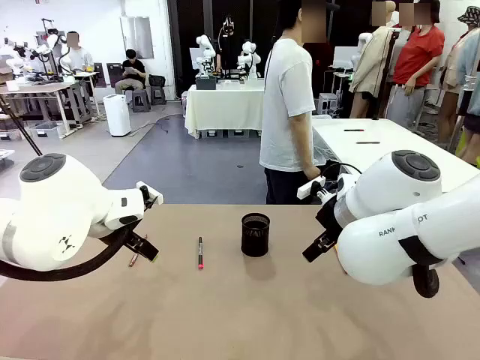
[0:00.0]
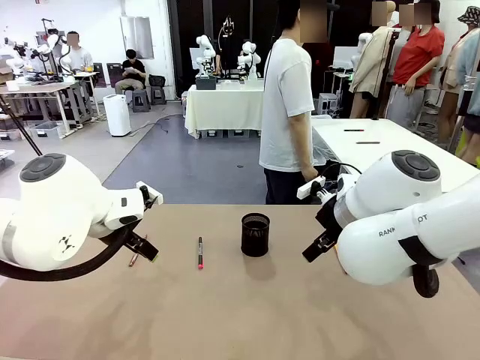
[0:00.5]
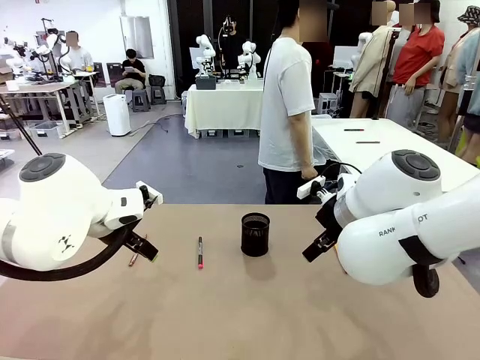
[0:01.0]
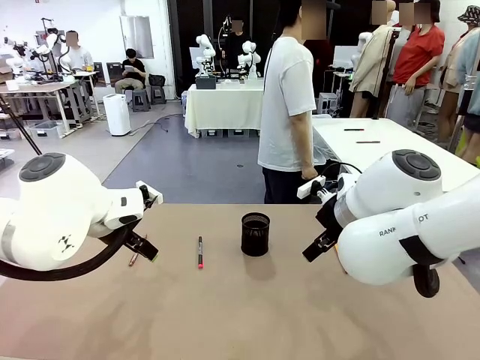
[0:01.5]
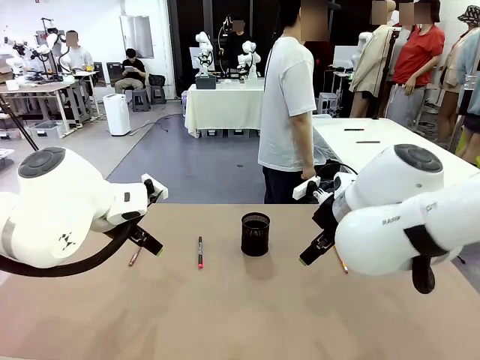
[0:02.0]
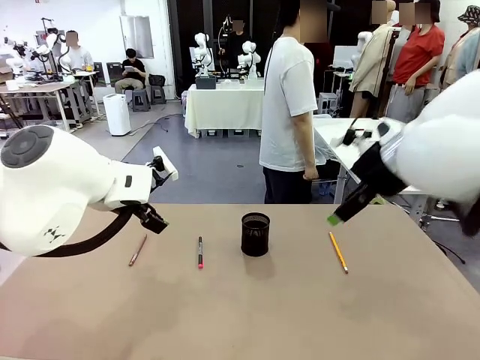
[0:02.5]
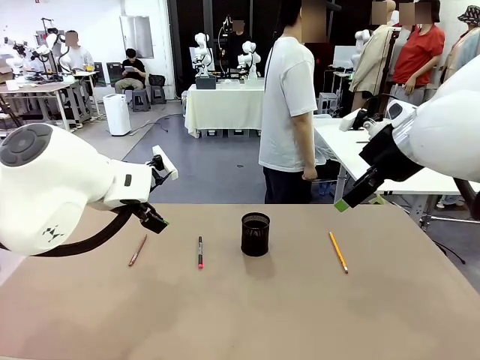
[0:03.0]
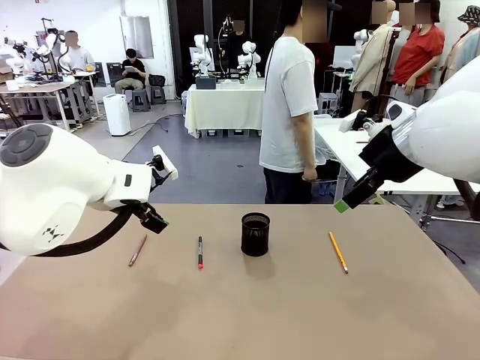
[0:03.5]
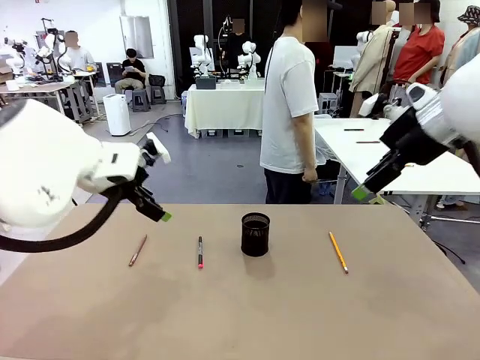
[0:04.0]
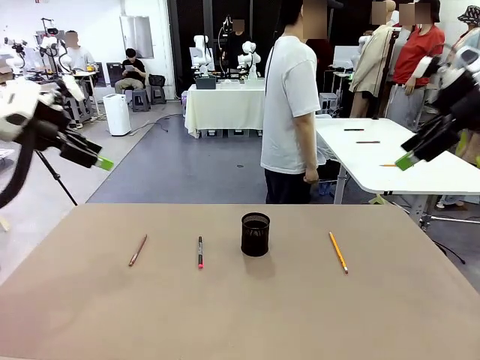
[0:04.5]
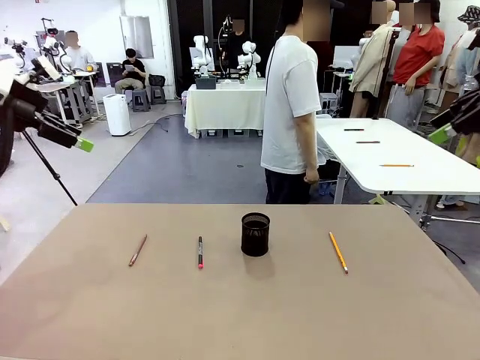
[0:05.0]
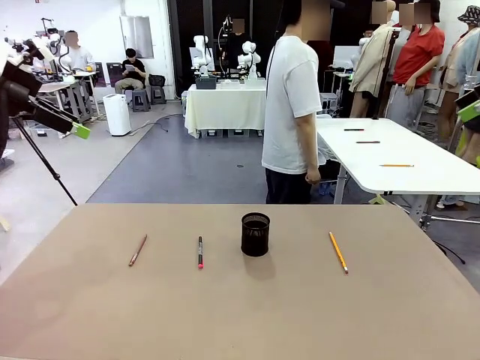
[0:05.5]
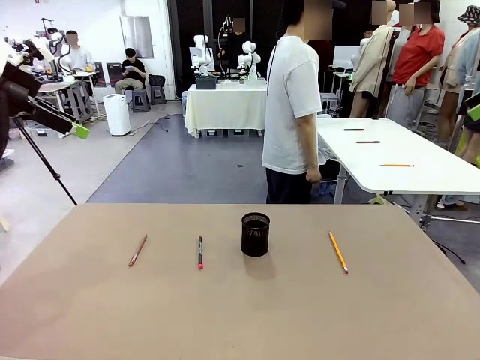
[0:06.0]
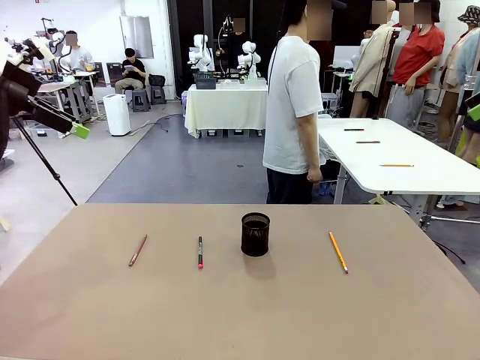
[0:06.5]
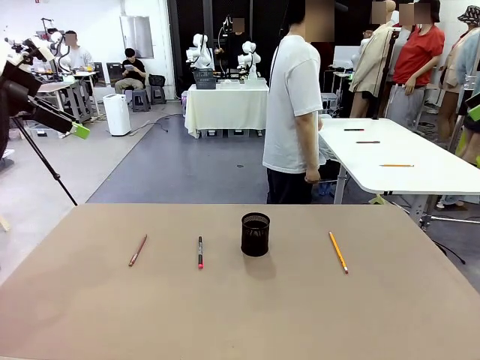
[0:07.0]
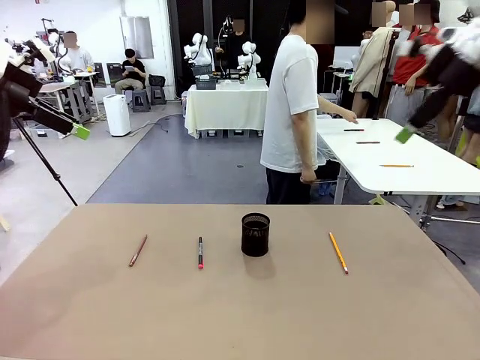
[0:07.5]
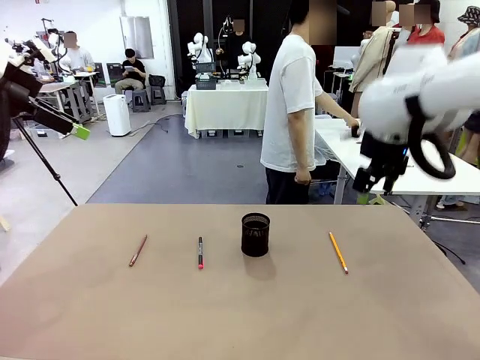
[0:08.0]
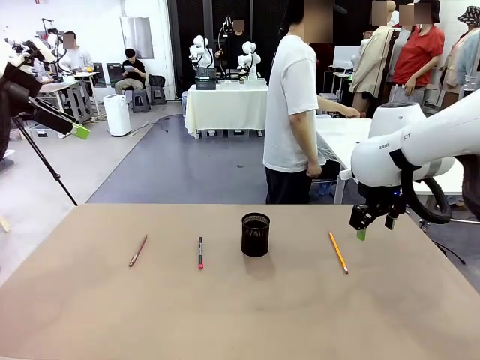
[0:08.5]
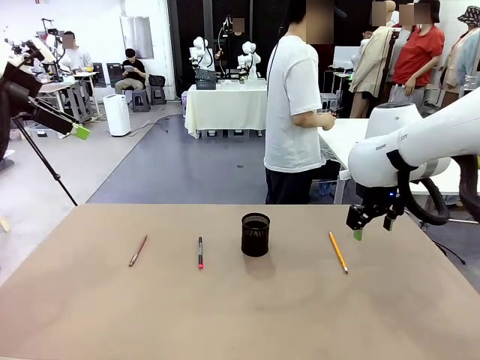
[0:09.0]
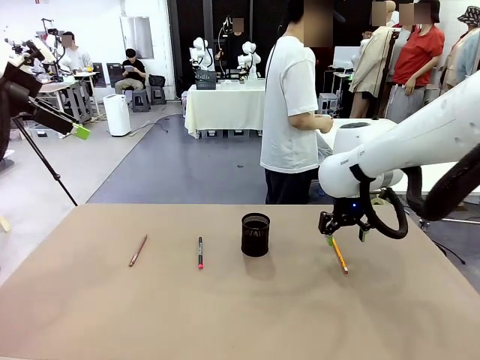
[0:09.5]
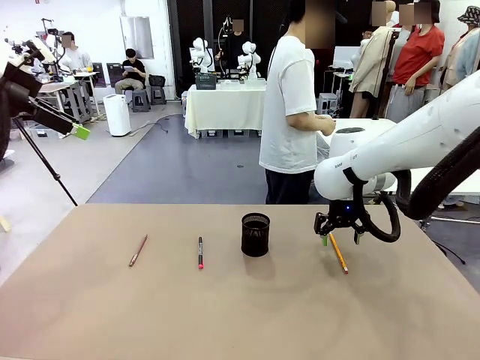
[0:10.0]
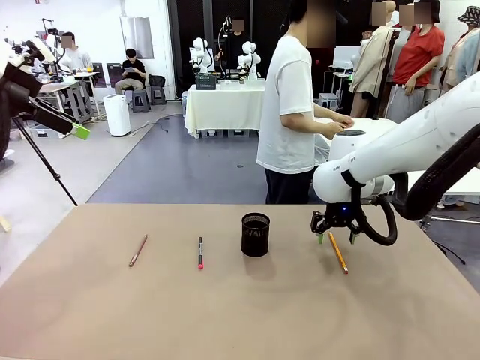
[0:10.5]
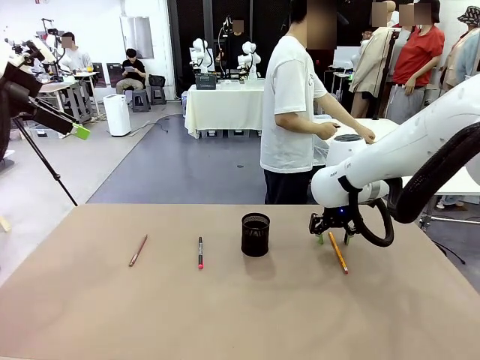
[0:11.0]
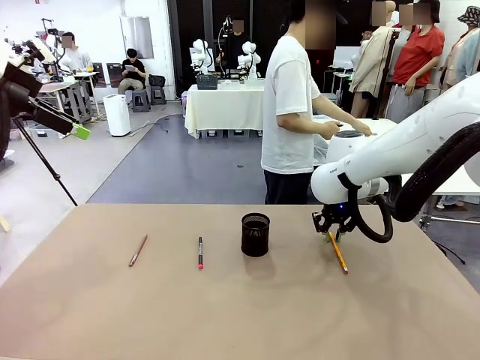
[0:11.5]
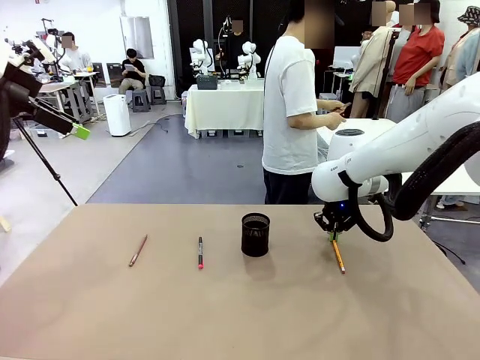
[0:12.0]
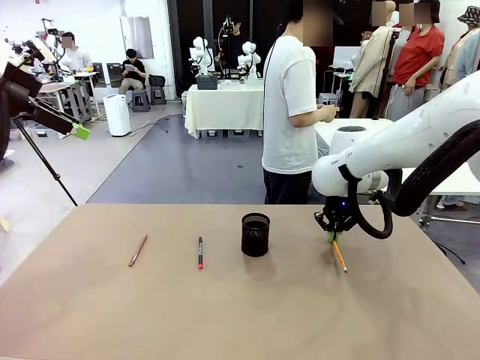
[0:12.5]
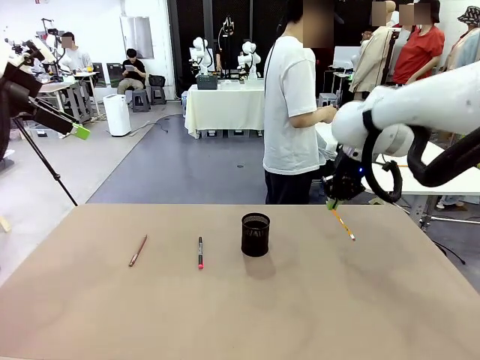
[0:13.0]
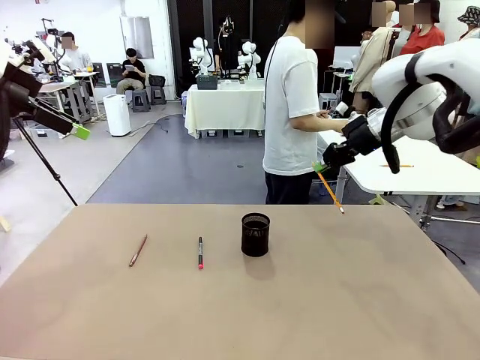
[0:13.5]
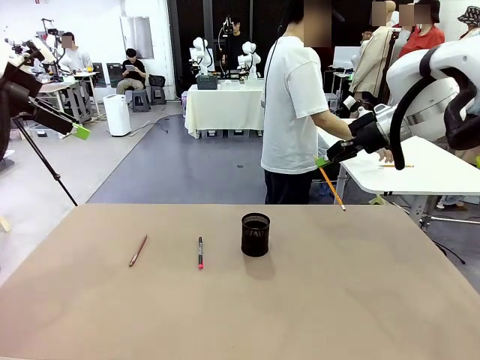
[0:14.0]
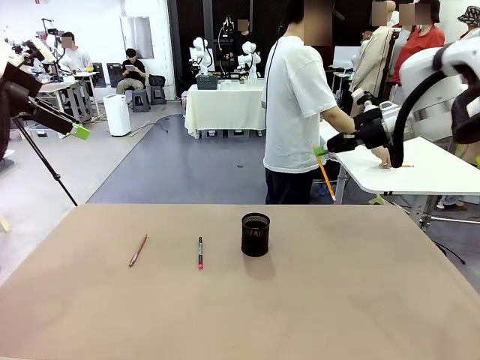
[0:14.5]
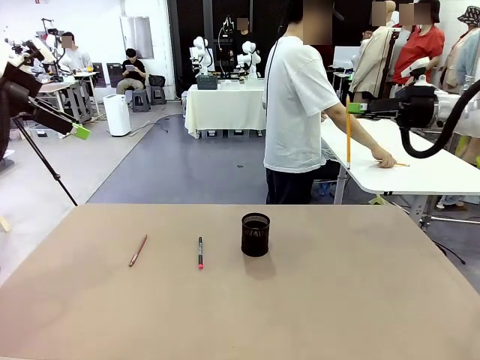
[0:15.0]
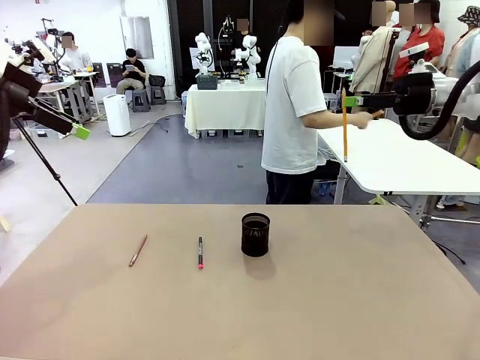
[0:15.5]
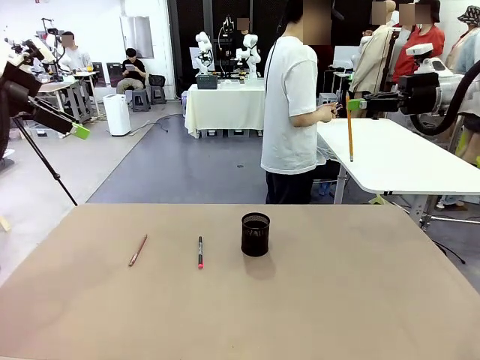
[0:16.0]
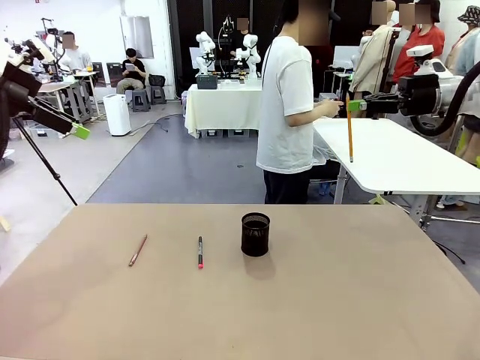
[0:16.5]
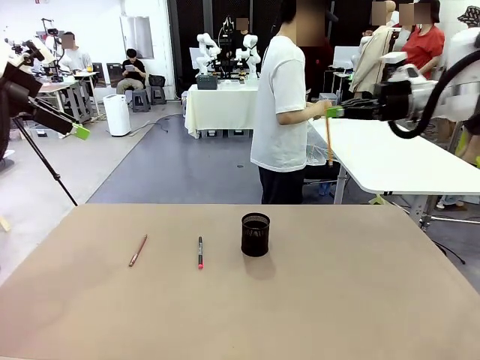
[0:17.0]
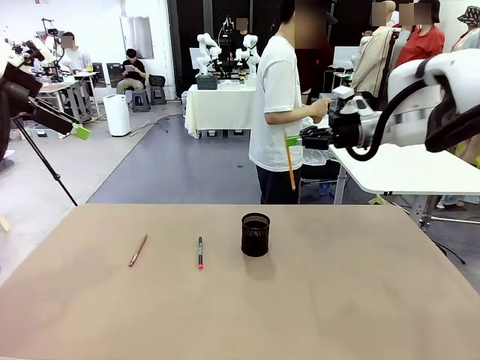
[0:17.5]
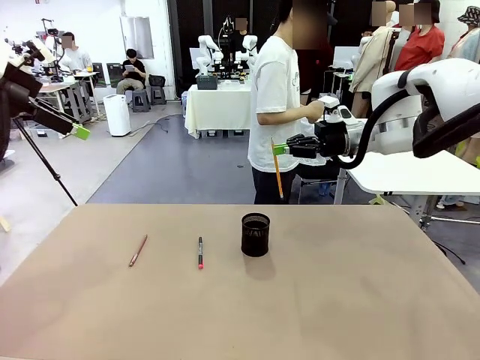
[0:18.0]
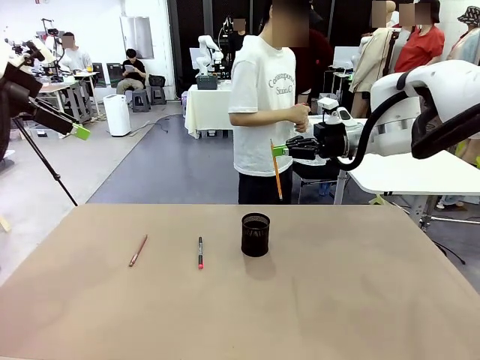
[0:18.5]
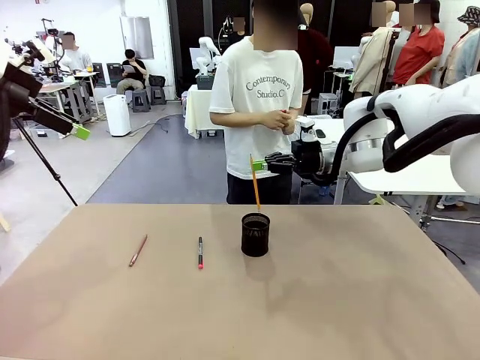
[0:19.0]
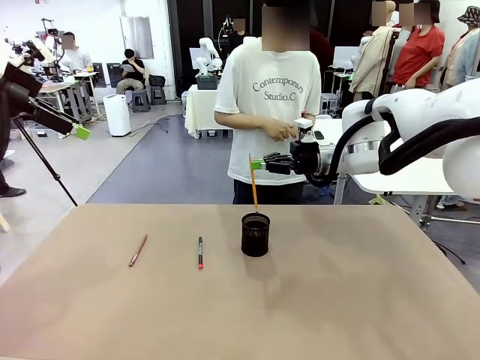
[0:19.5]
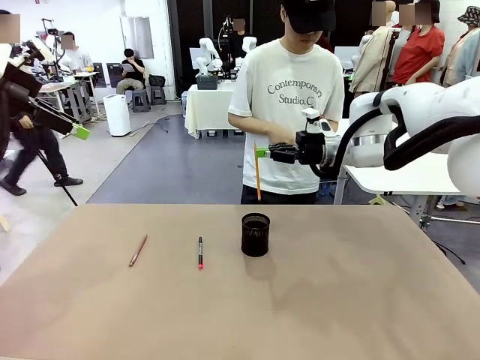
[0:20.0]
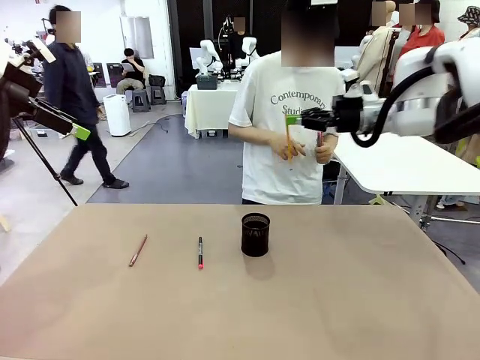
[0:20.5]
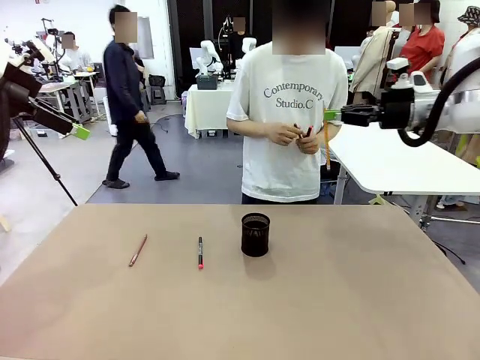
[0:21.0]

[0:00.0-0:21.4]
Task: Place the pens into the pen holder.
Robot: Pick up a writing instrument from the table and place it into the Pen holder.
Person: Pick up all writing instruments from the Human table.

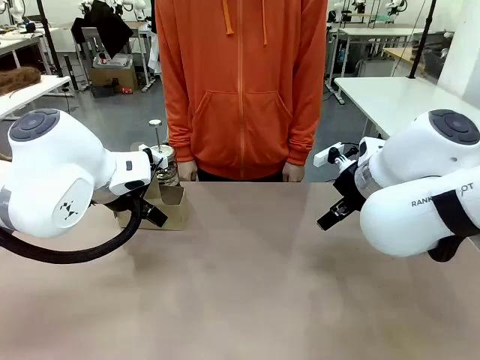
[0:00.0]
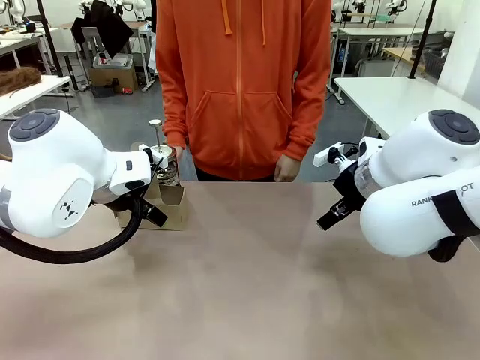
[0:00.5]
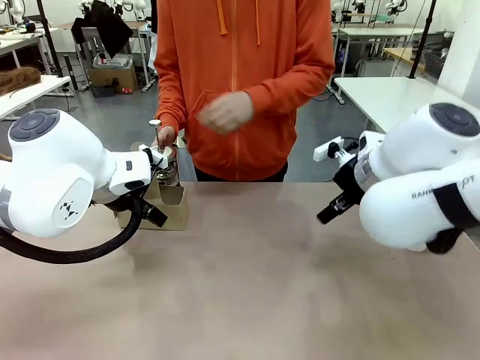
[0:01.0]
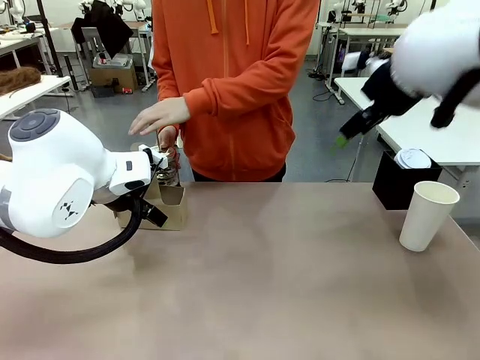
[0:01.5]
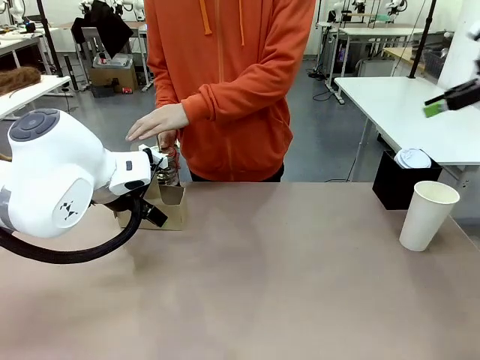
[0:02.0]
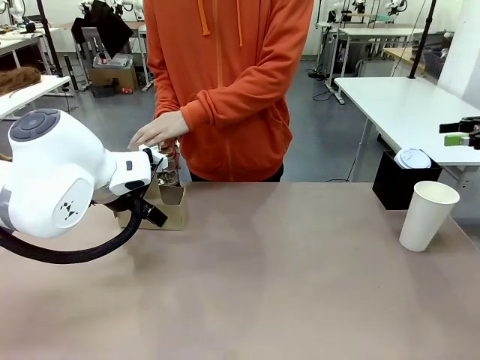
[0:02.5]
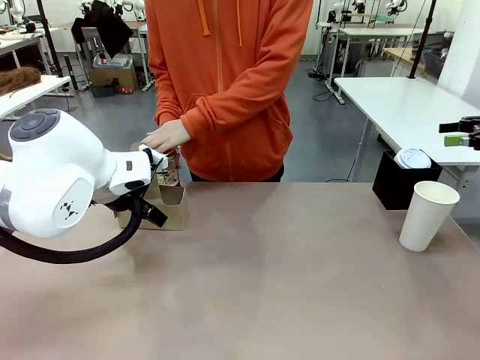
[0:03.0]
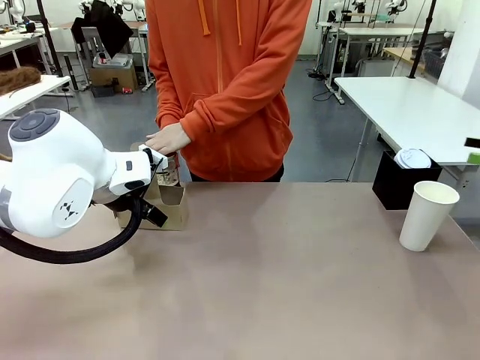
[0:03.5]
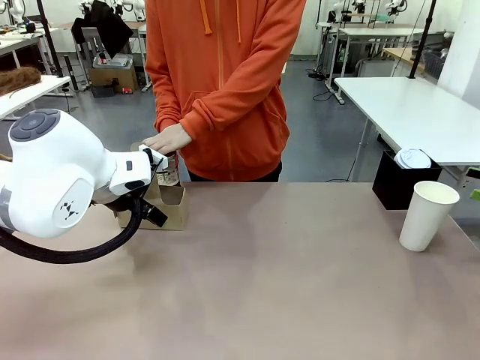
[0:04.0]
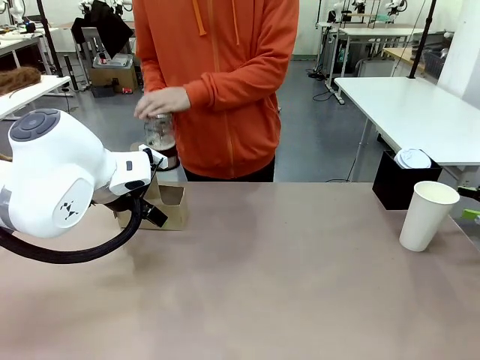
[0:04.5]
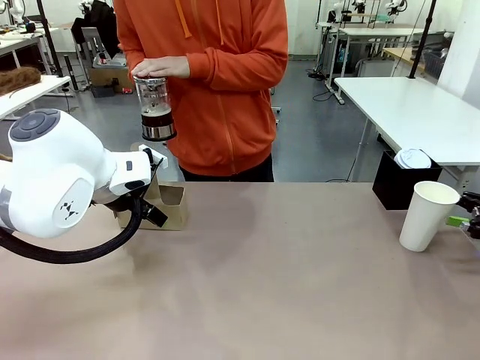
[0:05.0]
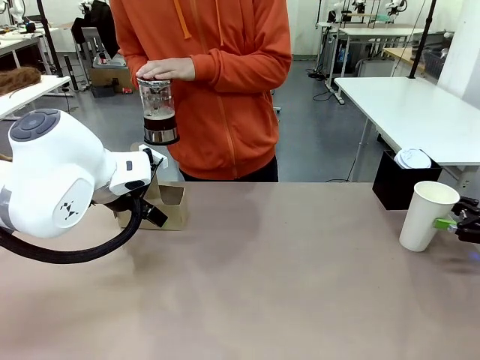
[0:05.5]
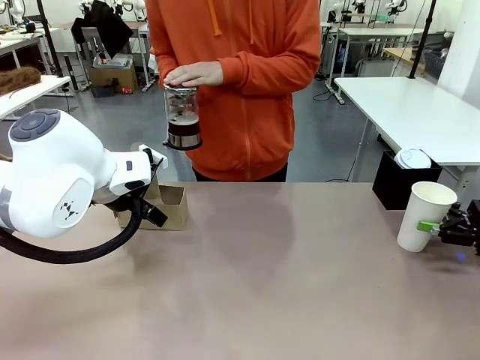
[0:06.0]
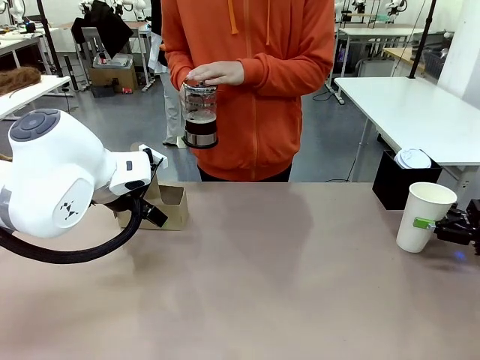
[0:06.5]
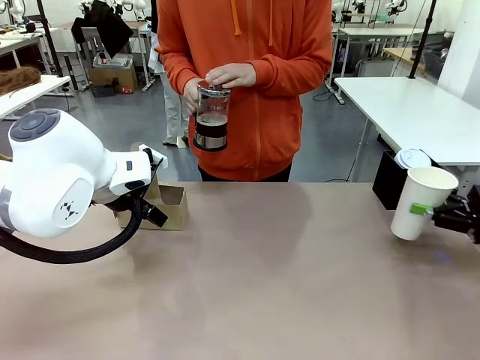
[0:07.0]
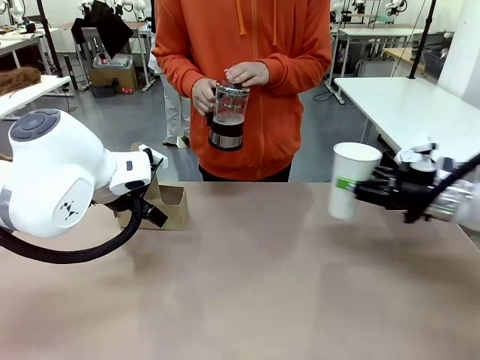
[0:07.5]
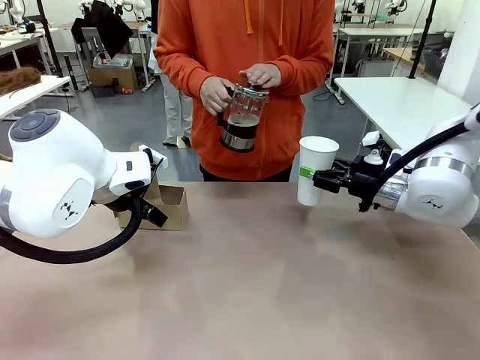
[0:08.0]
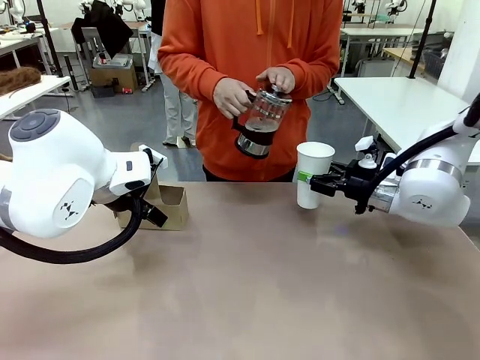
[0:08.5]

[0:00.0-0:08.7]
Task: Pour a drink into a cup and package it in a carrier.
Robot: Pick up the 600 ml Paper Cup and place it in the middle top area of the table.
Person: Press and pick up the Filter Brewing.
